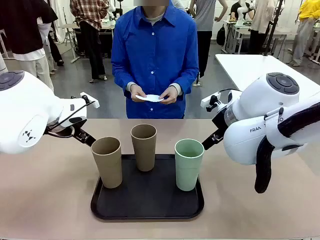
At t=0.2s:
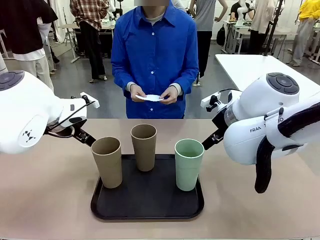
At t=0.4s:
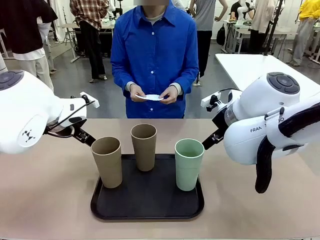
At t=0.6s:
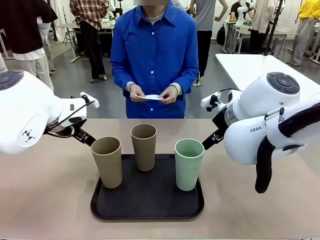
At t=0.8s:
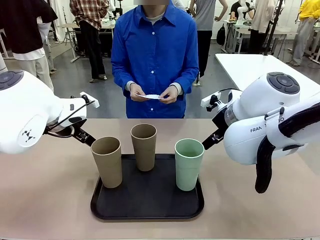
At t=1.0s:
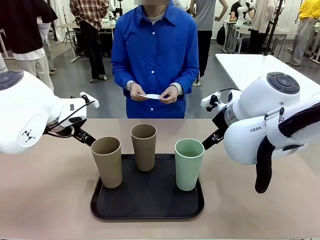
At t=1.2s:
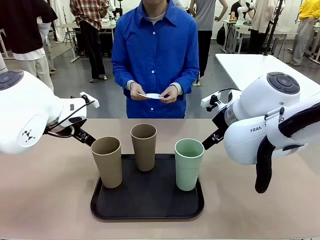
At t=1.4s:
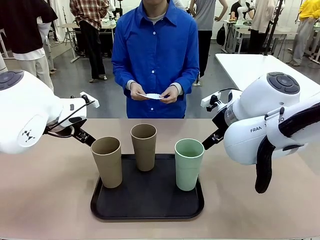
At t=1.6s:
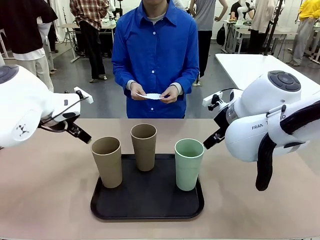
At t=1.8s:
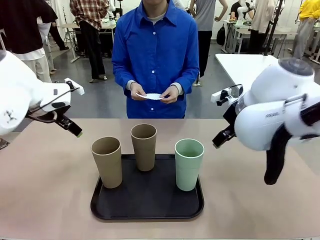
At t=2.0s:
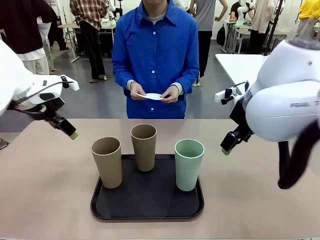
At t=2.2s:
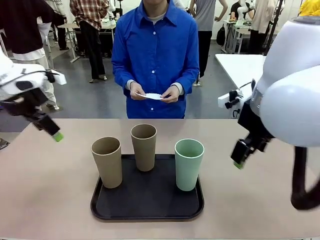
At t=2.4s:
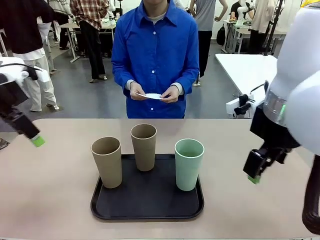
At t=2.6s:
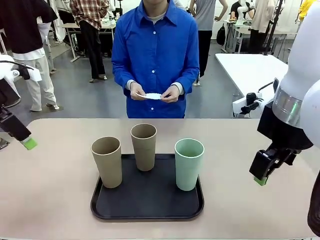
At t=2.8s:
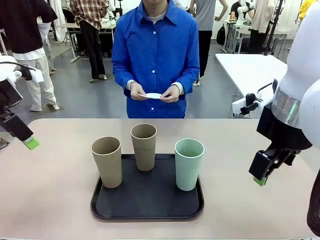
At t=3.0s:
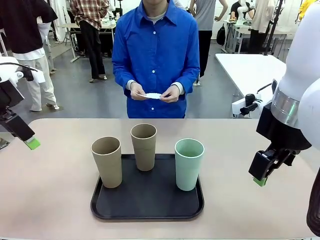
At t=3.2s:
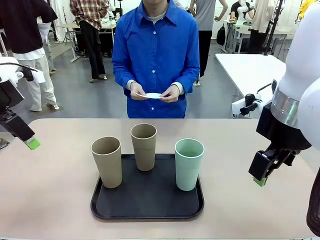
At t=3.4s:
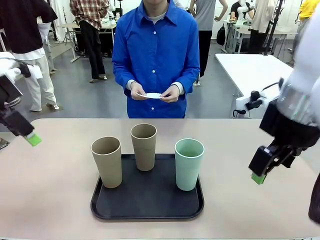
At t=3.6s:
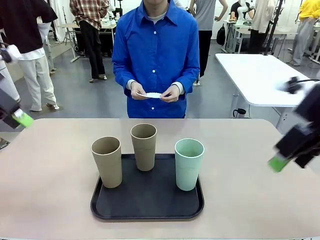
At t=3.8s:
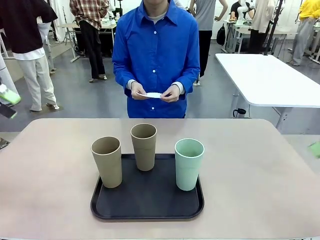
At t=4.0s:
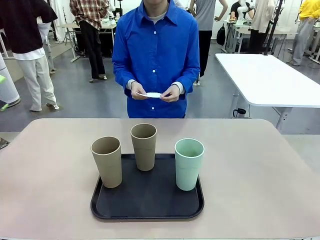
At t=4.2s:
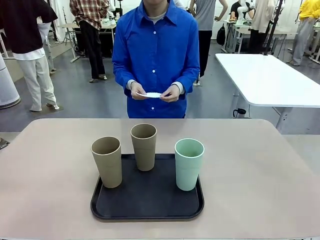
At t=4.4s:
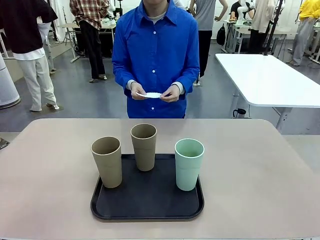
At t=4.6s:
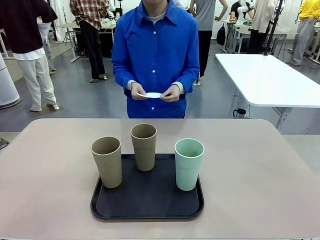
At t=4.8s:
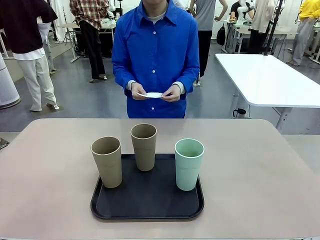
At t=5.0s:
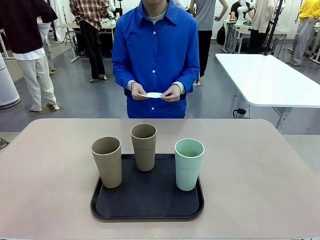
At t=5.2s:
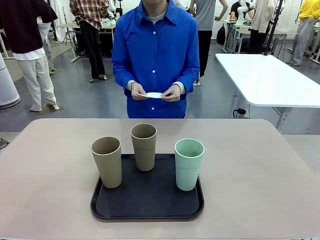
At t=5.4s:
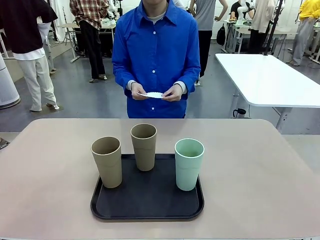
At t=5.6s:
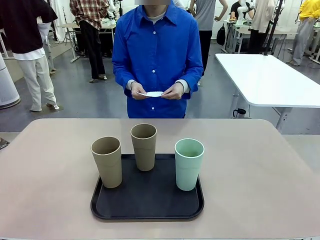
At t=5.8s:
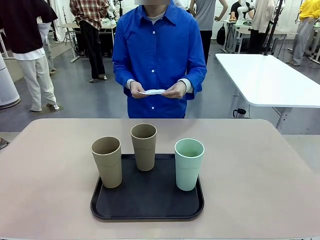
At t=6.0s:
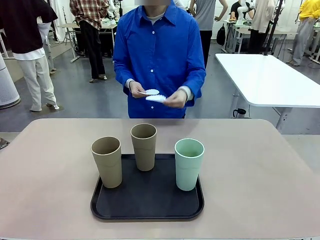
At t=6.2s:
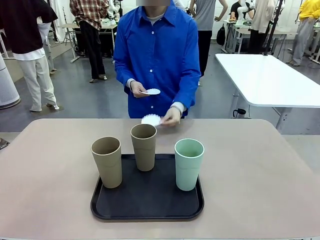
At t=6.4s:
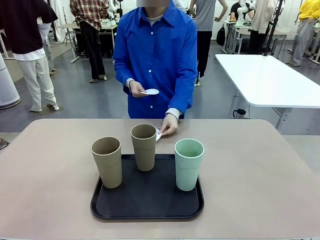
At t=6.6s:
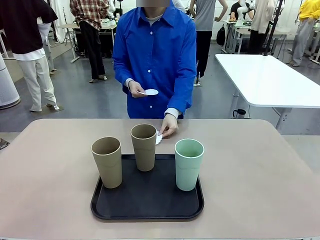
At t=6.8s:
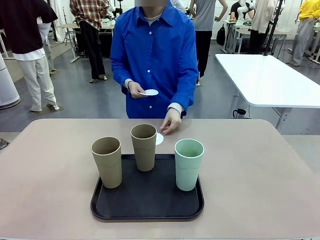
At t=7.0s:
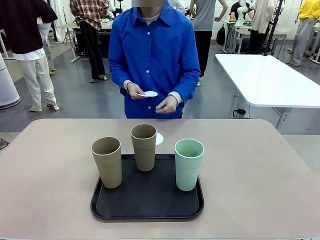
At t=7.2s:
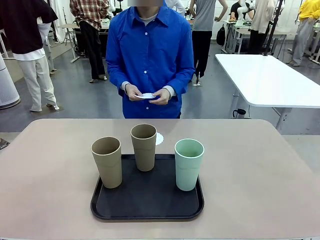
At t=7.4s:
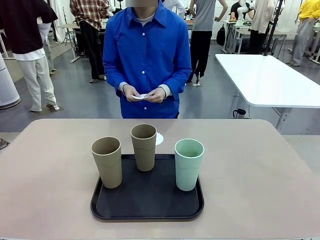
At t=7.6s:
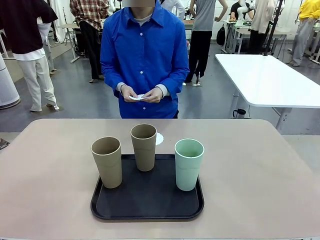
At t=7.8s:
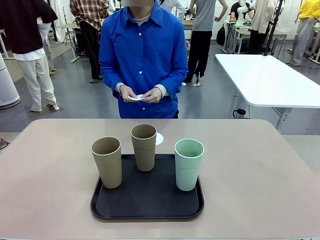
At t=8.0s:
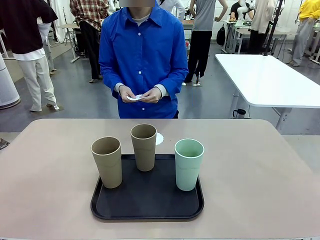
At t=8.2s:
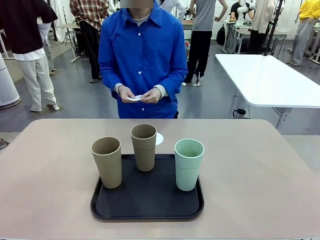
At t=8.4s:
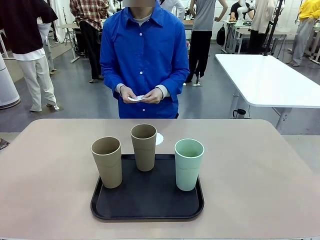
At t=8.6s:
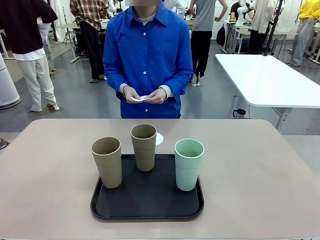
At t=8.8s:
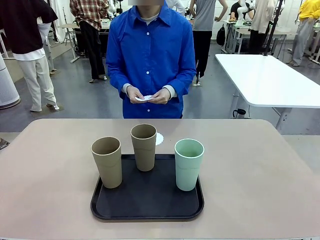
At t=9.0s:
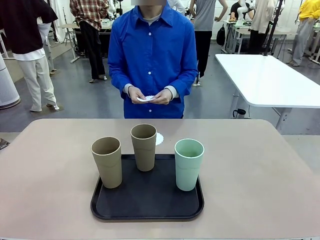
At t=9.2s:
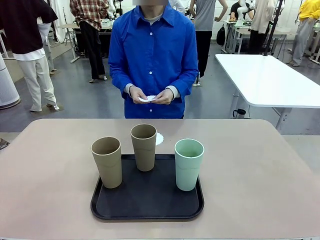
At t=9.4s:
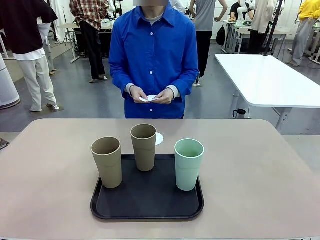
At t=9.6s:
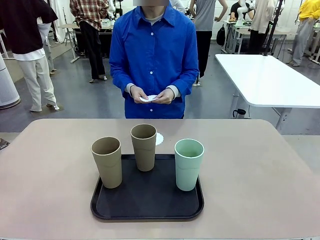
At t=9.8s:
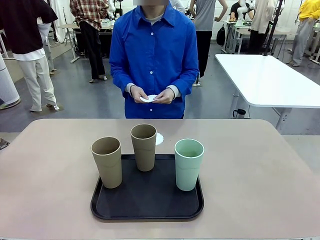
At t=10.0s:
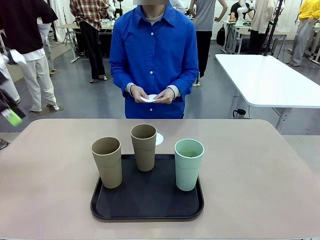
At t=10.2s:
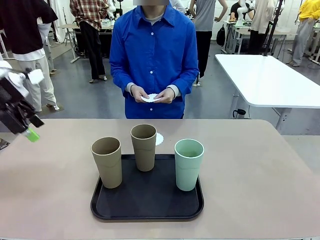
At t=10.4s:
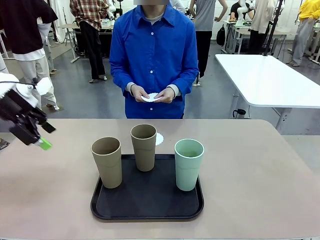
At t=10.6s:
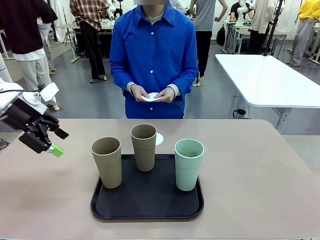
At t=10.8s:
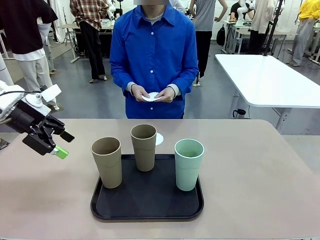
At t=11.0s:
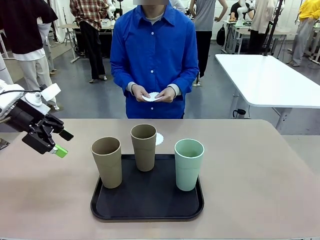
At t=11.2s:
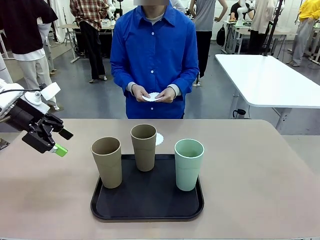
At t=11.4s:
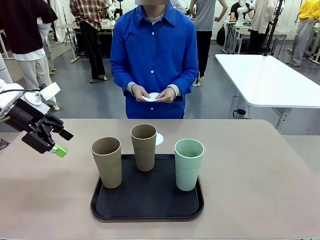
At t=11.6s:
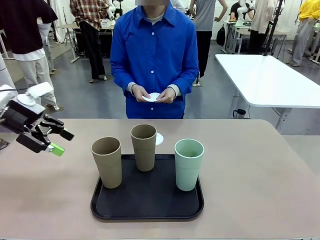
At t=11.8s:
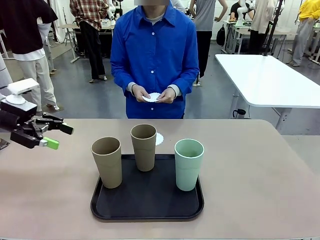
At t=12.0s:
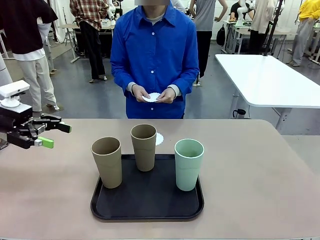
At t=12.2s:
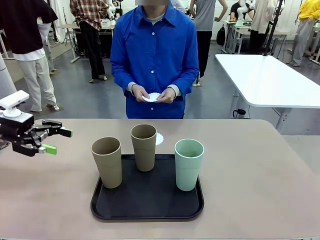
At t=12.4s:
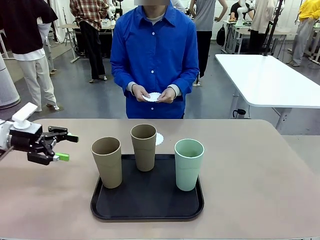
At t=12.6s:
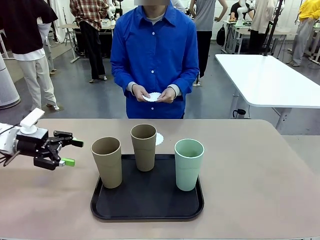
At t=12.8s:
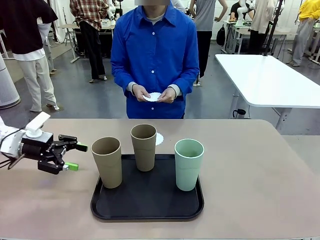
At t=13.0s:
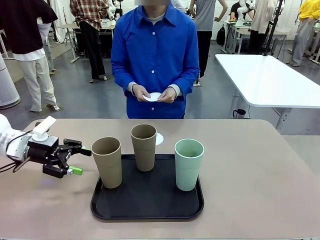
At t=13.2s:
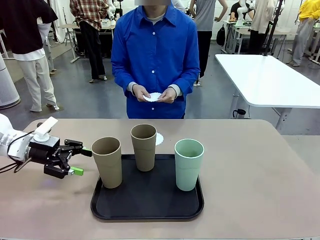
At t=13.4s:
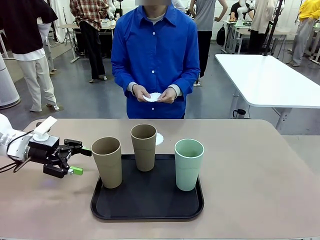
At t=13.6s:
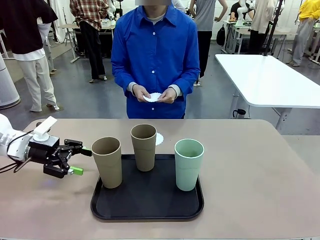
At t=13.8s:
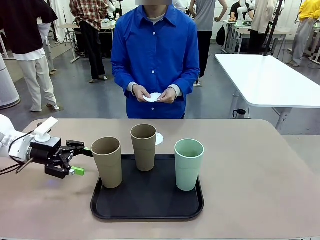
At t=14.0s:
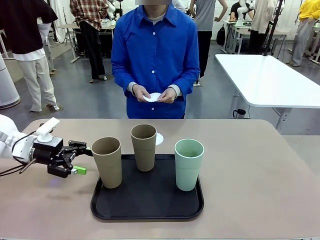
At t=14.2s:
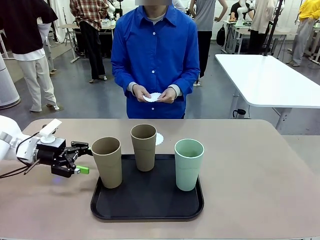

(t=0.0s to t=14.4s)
Task: Place coasters on the table and set cups on them.
Robot: Pick up one Reusable plastic cup and place it on a coaster set by the human.
Person: Place one coaster in any one of the three lower areas of the robot table (left, center, or right).
